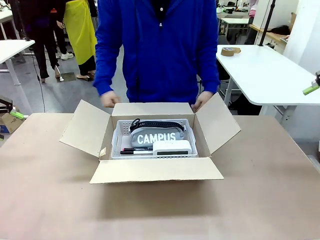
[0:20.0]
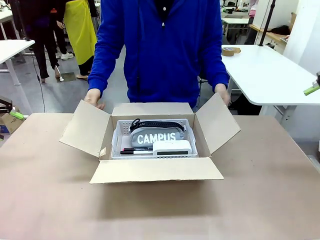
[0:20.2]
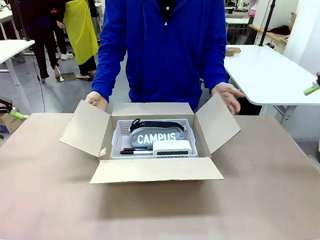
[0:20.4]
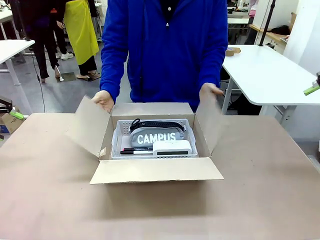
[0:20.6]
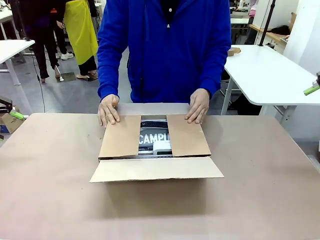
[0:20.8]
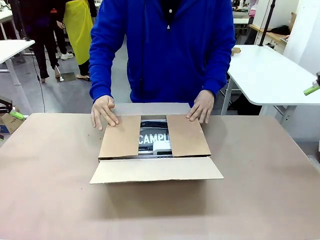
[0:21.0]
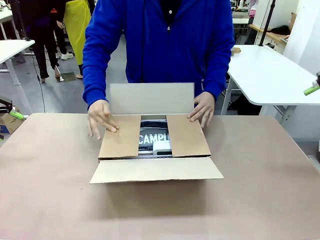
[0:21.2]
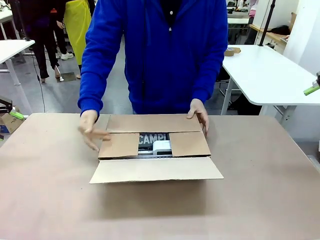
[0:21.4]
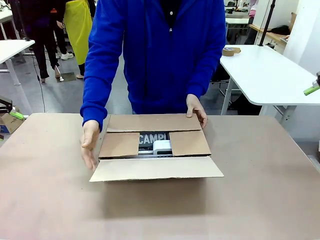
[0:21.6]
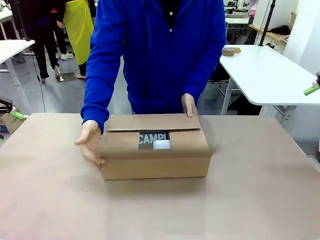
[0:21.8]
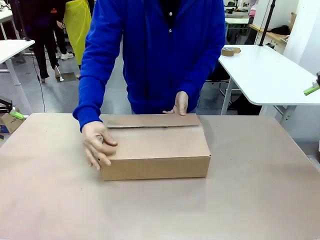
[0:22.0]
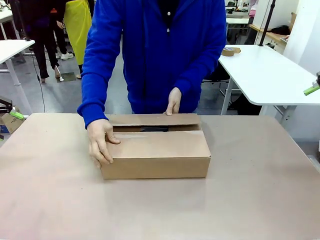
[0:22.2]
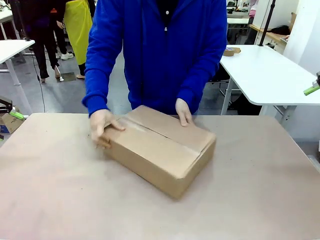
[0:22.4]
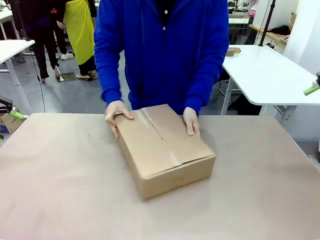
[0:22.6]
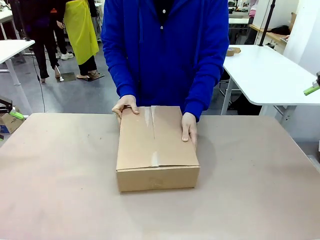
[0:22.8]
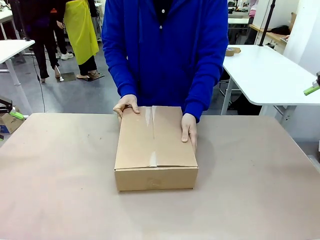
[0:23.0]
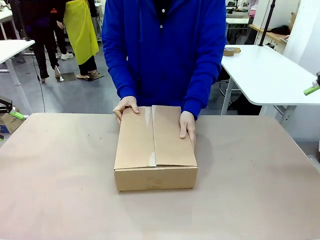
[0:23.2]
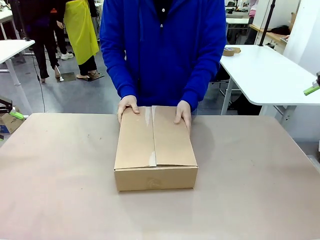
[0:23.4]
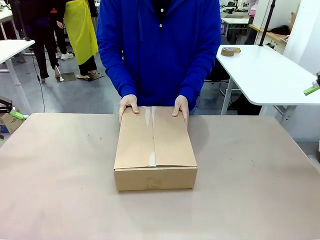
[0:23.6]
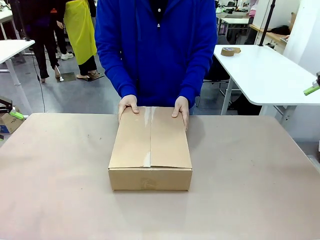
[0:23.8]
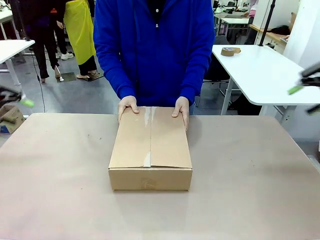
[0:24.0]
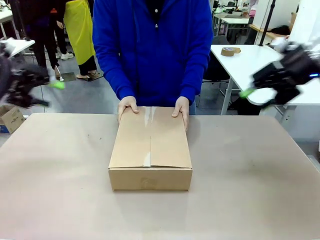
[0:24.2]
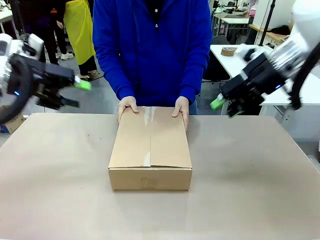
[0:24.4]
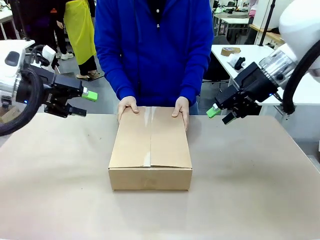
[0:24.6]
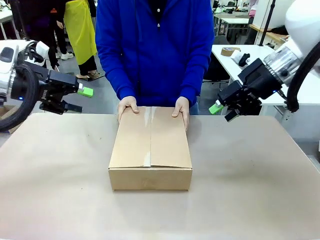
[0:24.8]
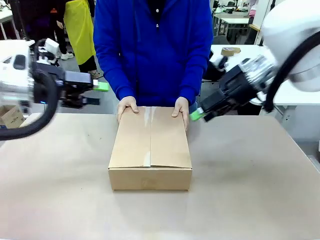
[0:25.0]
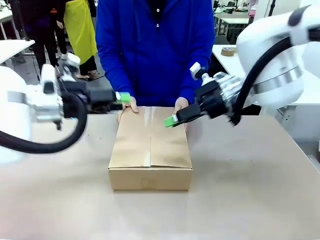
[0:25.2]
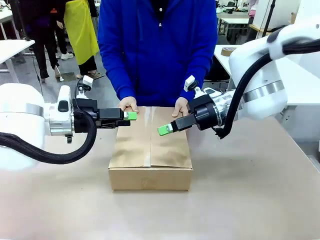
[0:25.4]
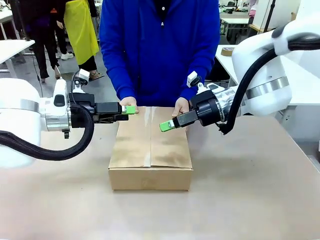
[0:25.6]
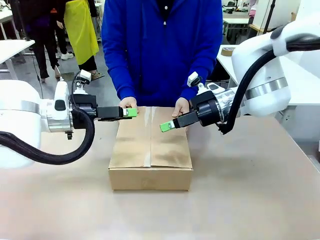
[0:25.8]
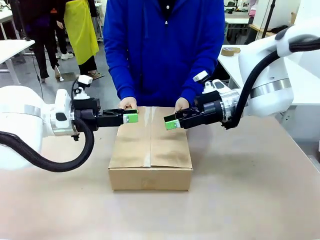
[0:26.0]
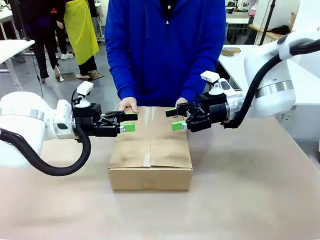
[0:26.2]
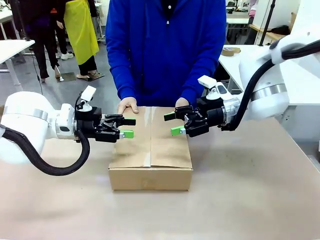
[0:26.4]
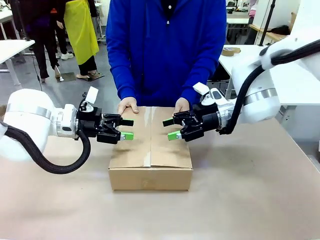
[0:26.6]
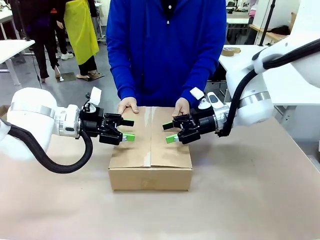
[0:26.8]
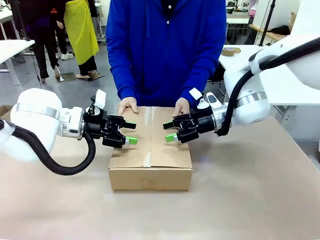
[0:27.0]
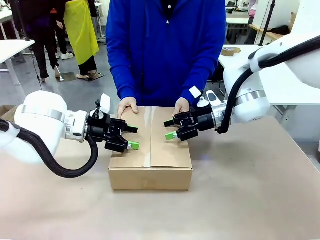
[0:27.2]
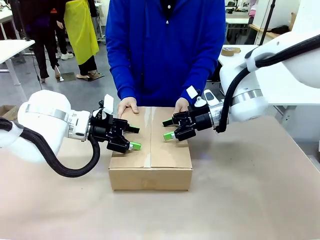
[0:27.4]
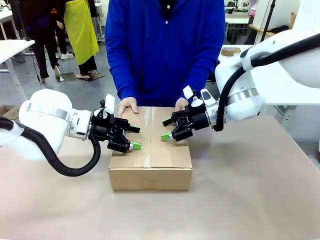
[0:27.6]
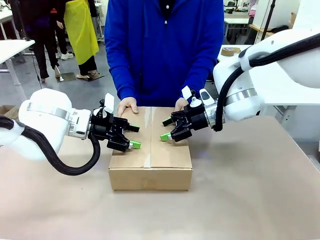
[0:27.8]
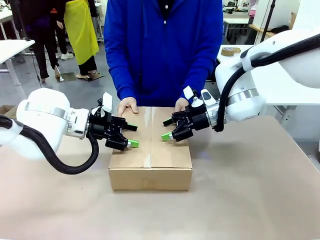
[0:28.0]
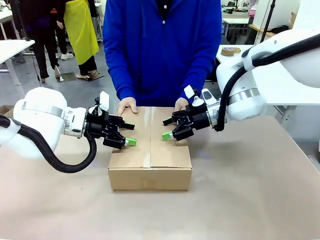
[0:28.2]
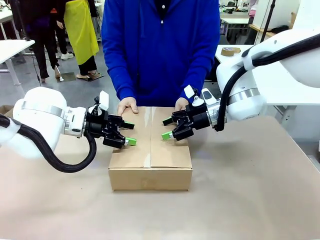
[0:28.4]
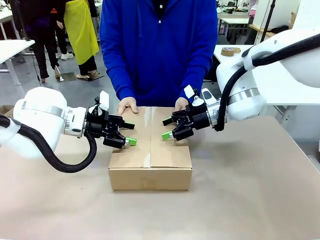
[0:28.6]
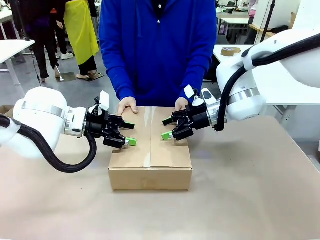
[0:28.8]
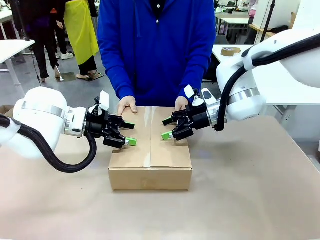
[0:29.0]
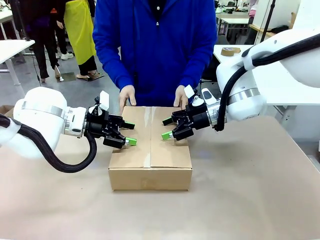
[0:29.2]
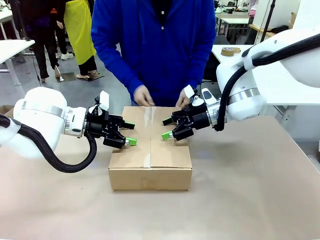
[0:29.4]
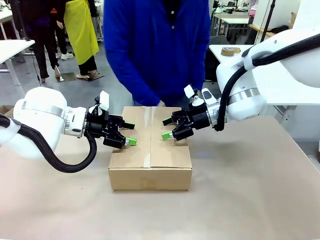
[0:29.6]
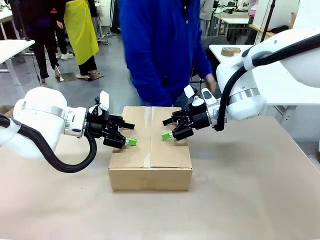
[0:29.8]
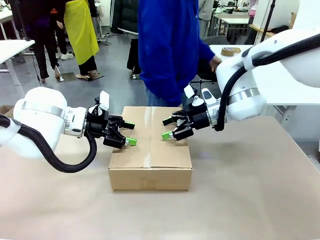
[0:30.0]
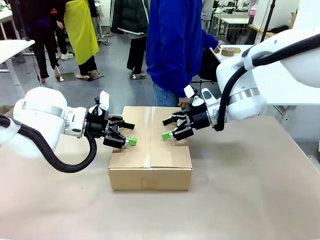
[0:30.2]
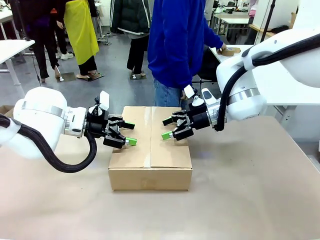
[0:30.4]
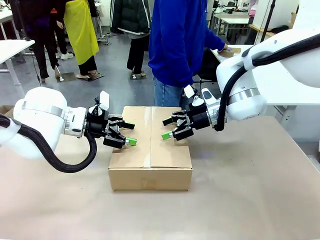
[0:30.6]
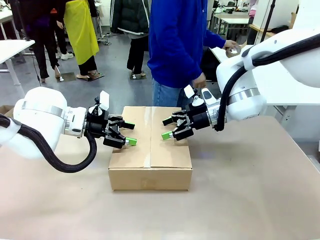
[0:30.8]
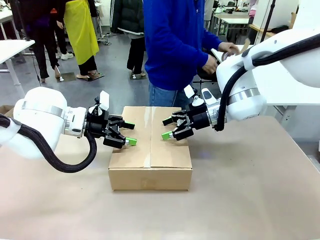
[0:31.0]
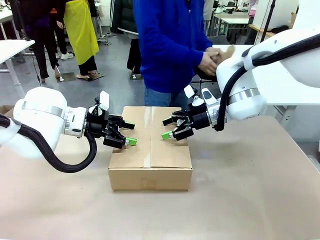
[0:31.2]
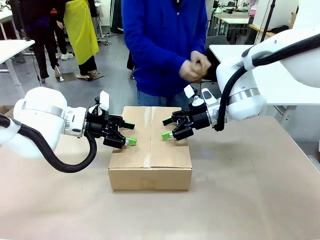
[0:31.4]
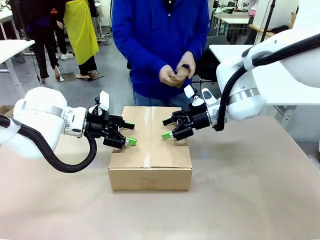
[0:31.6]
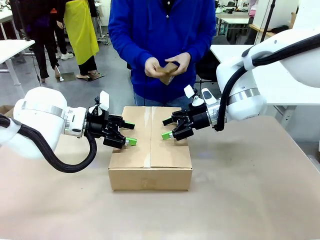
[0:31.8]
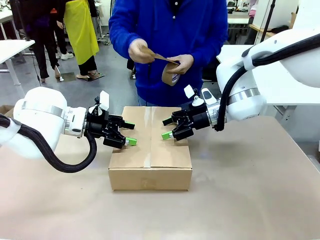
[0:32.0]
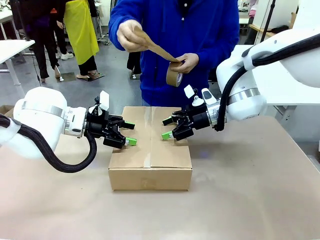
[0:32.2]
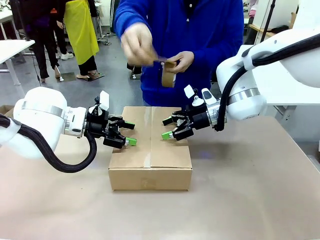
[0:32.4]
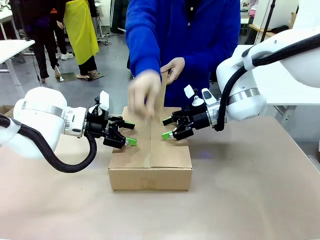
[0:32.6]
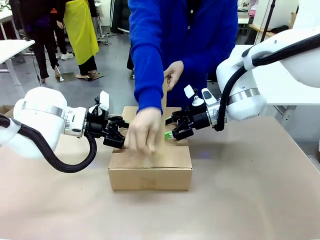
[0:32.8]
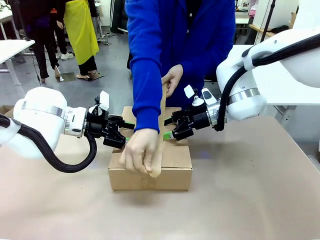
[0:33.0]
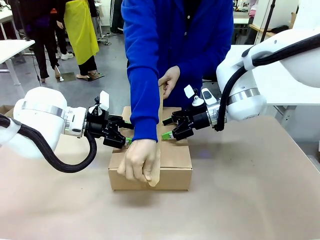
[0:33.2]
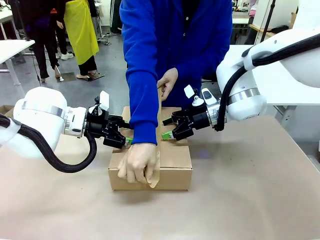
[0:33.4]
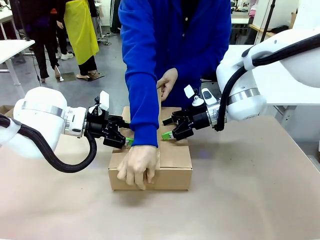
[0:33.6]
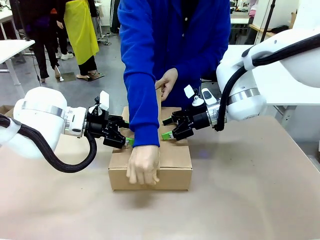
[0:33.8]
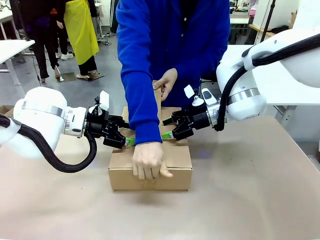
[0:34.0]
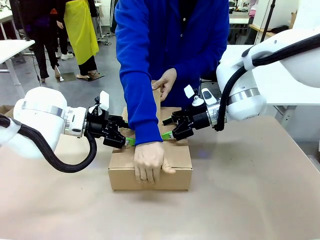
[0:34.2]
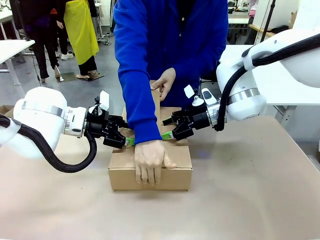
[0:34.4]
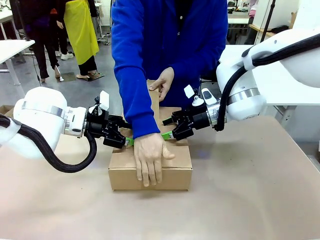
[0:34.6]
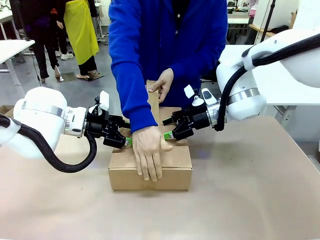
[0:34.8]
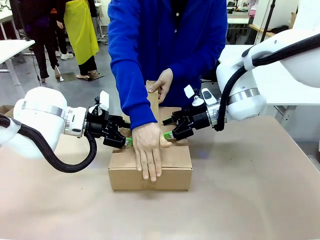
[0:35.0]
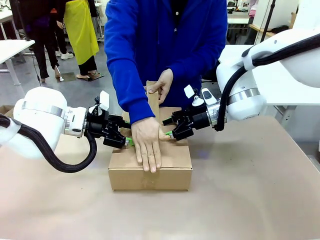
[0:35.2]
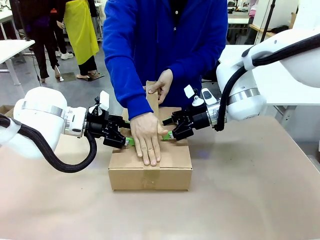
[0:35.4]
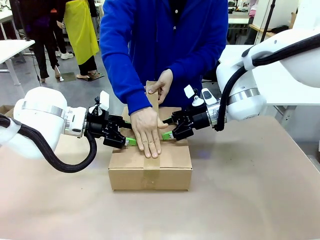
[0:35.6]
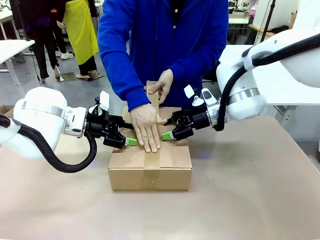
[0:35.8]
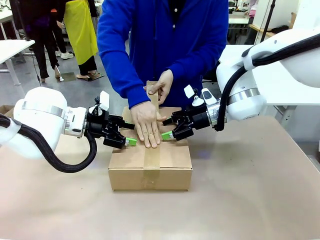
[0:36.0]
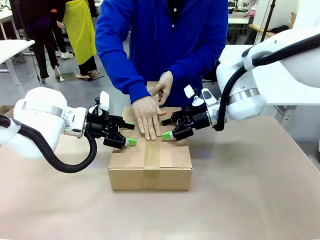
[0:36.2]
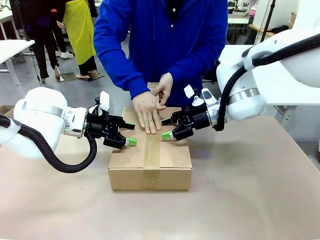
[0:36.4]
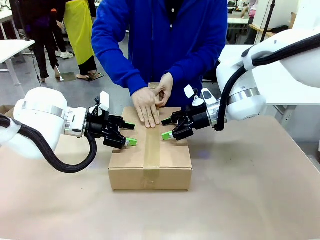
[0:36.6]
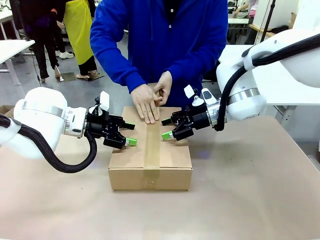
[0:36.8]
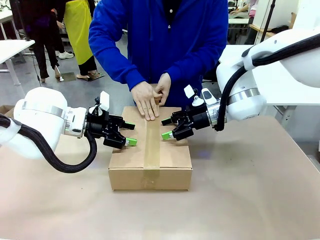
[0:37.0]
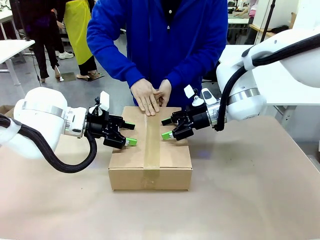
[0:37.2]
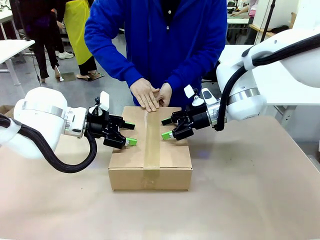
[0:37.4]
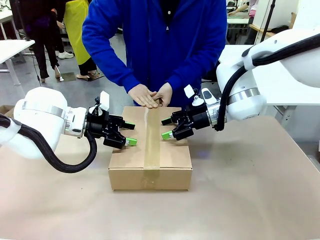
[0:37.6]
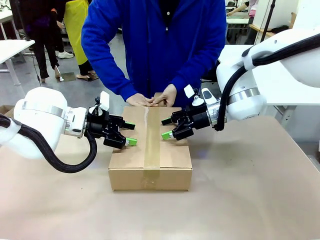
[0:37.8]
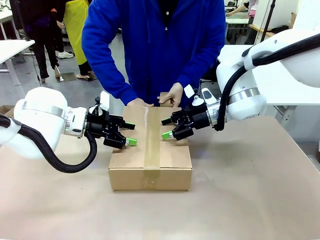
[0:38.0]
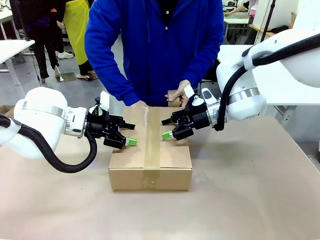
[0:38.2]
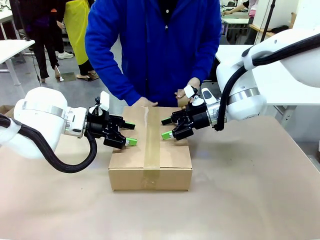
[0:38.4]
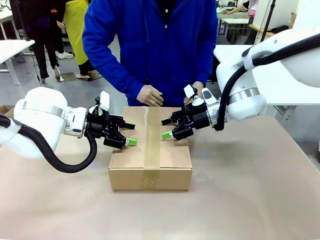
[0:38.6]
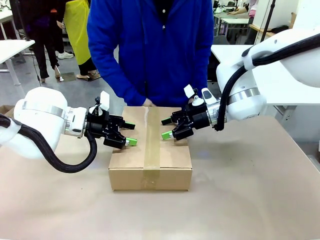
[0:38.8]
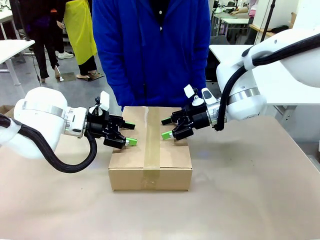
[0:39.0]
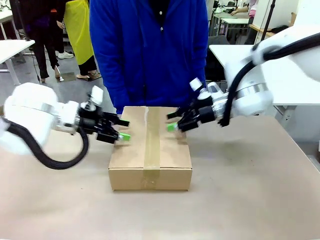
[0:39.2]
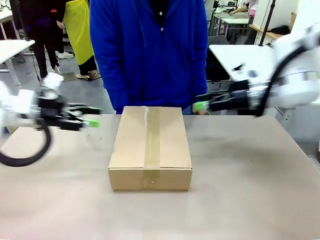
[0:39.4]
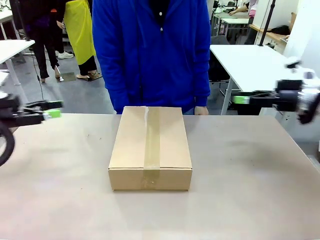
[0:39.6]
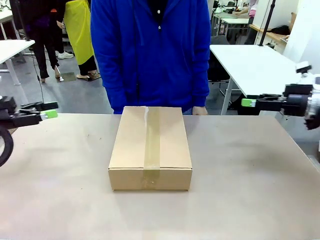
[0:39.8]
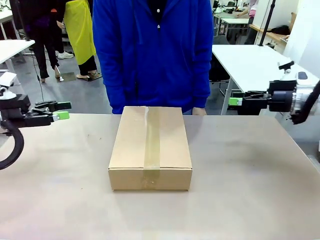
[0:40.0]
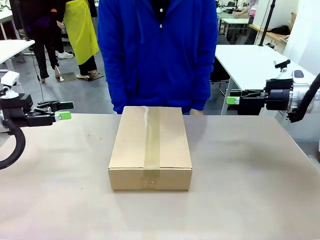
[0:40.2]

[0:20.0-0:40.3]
Task: Pack the gift set into the box.
Robot: Press and hold the closed box until the human finishes sealing it.
Person: The human closes the box and rotates the box by 90 degrees. The human picks up the paper tape from the human table and packs the box.
